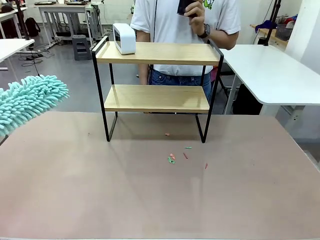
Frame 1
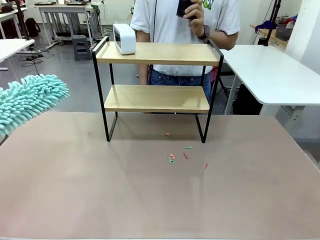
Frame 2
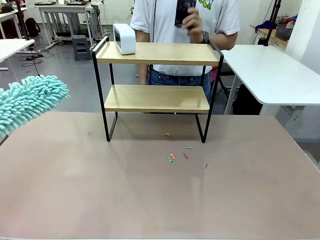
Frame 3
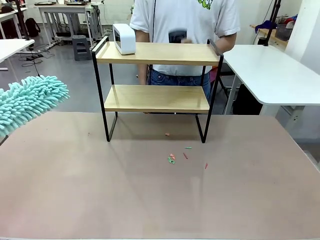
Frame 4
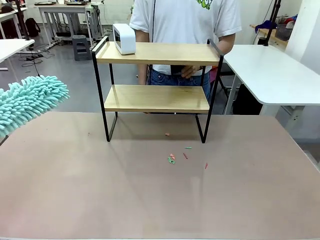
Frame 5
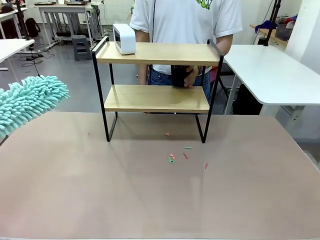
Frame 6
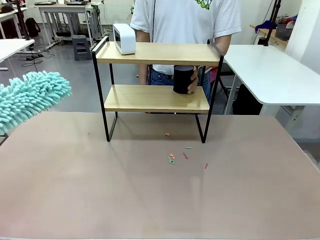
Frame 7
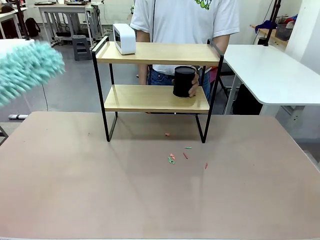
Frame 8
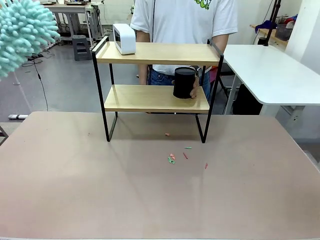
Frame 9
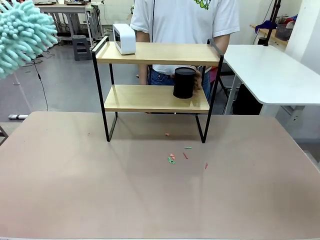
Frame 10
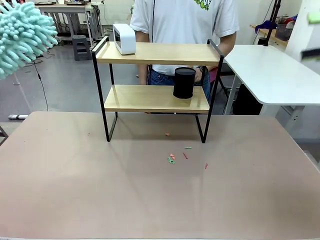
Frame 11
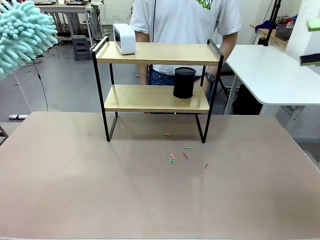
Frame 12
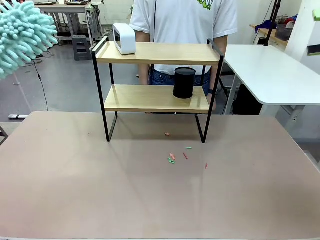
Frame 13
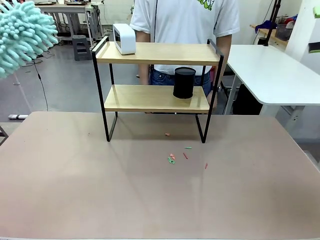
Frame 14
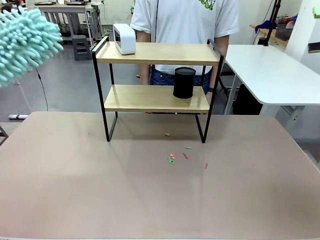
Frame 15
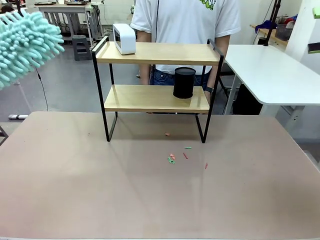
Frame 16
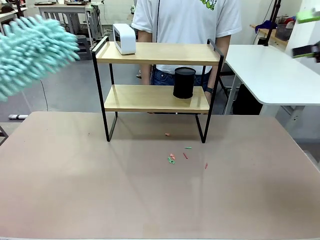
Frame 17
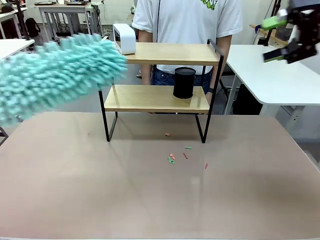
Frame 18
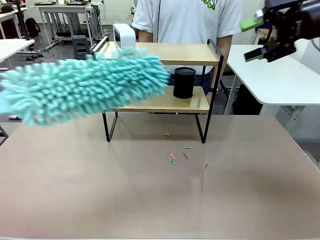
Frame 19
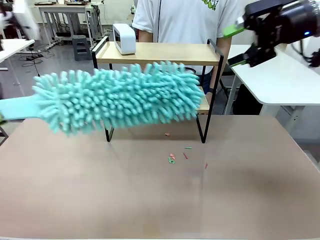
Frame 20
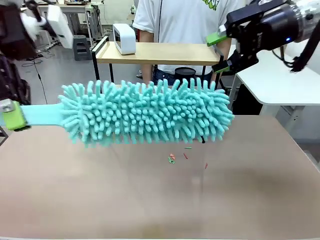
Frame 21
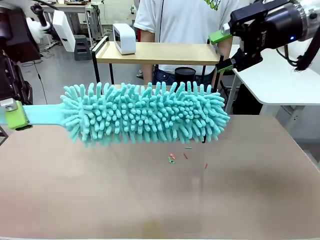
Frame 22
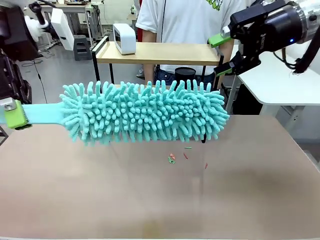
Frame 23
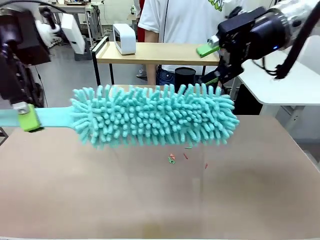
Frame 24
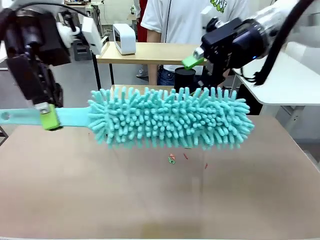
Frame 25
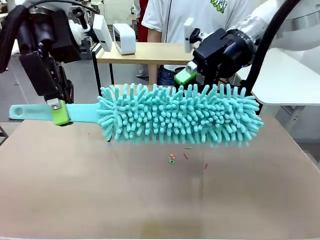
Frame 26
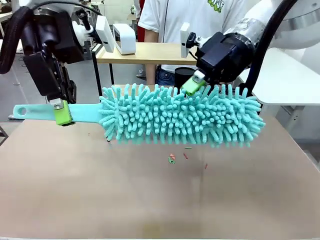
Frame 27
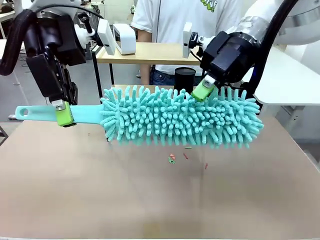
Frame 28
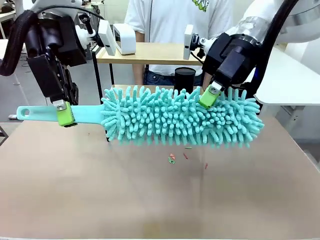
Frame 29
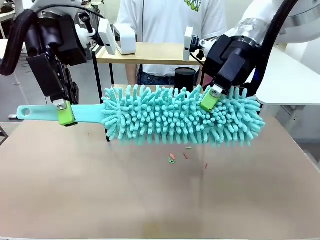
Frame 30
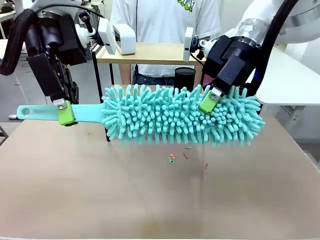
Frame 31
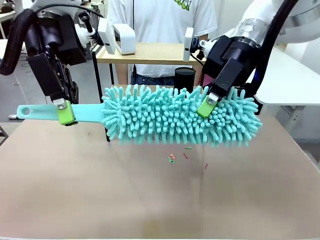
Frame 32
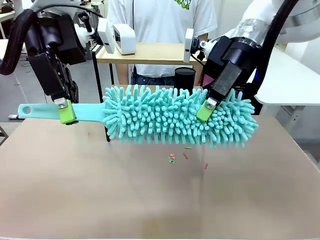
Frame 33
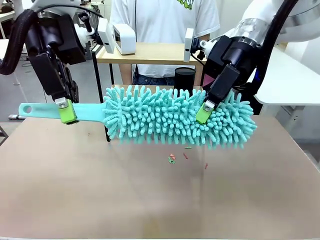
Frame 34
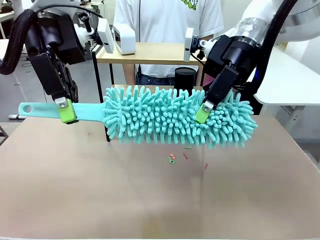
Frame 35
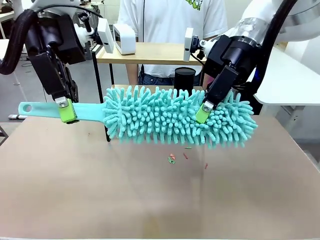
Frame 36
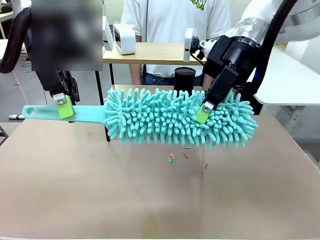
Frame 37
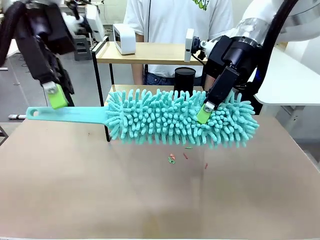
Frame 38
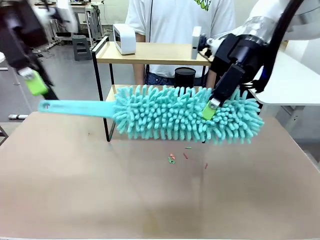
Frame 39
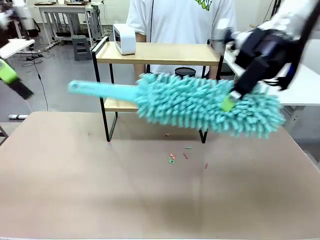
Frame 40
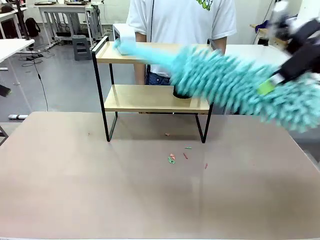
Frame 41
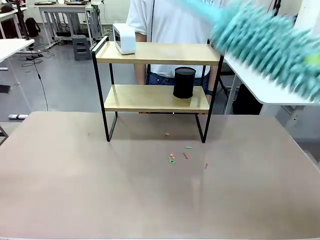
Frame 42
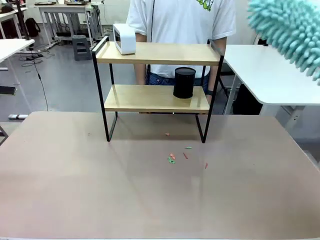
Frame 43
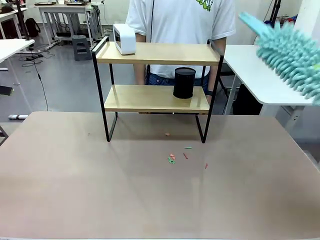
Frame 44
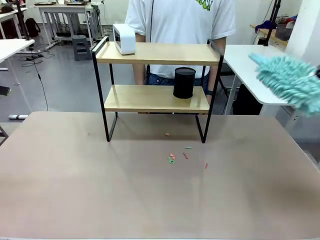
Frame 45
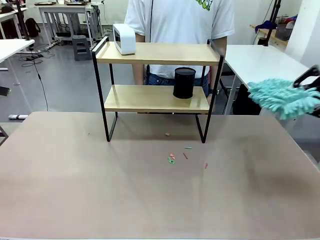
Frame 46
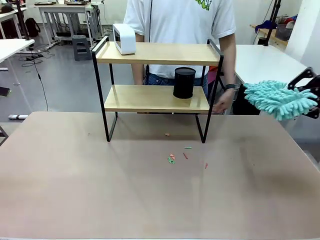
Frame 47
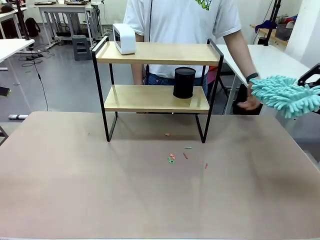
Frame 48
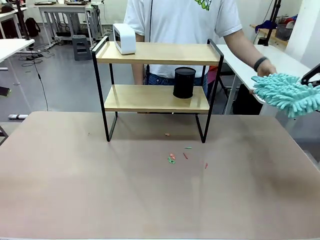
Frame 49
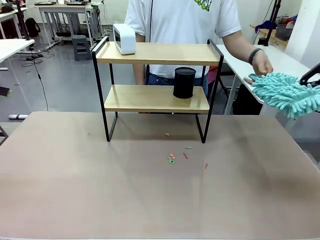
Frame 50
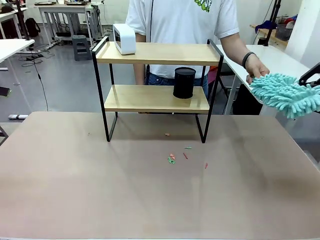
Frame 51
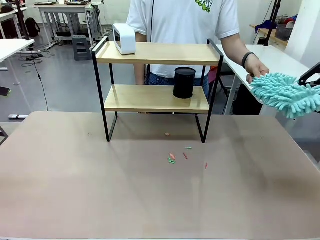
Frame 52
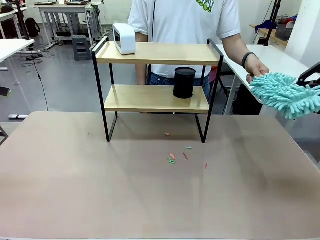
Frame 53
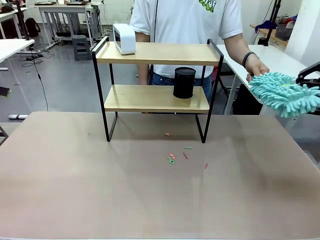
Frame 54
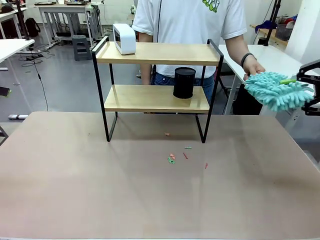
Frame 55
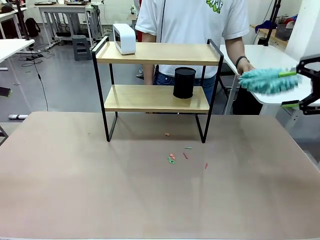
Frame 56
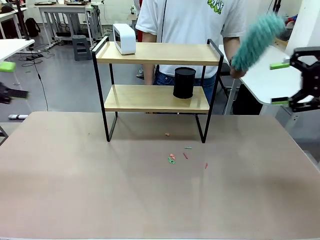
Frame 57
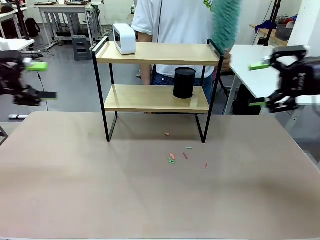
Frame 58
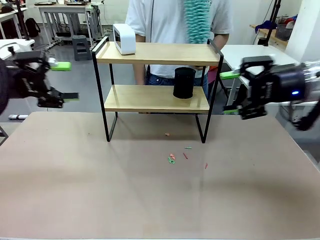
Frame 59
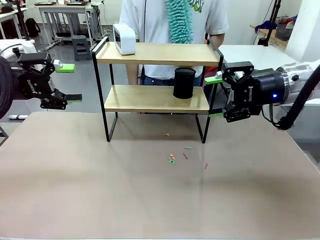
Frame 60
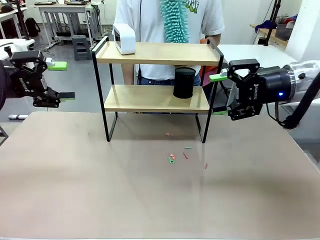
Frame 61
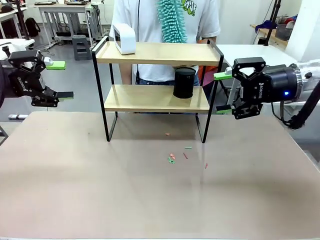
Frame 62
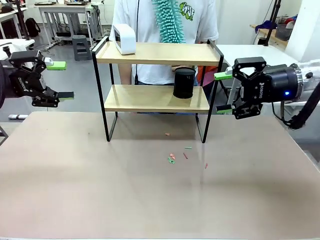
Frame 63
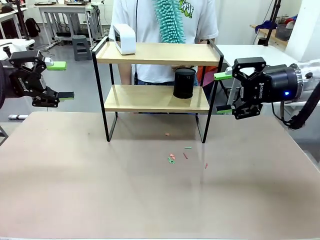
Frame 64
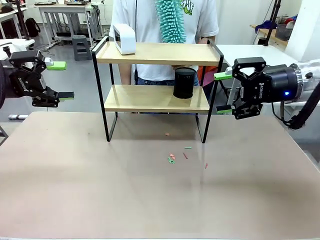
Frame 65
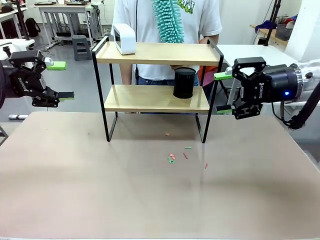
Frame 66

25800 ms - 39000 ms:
Task: Clean the shelf.
Robot: Hand the Duster back to the human.
Person: Receive the Duster from the robot.

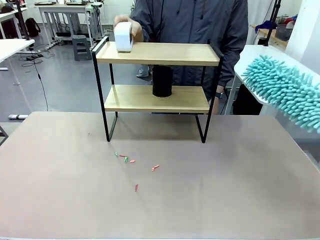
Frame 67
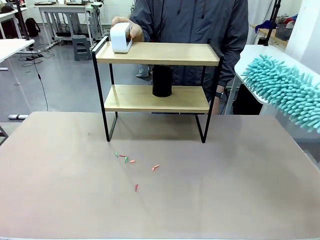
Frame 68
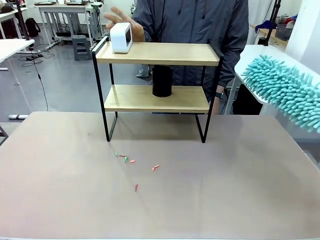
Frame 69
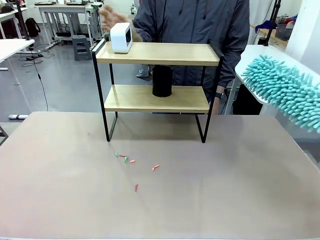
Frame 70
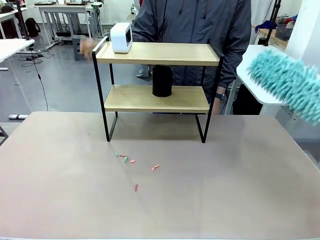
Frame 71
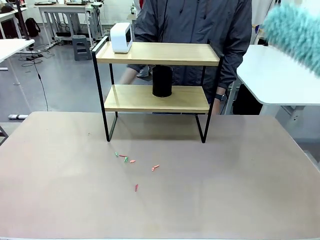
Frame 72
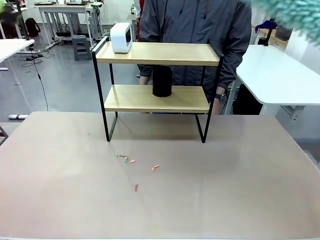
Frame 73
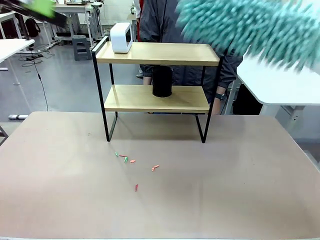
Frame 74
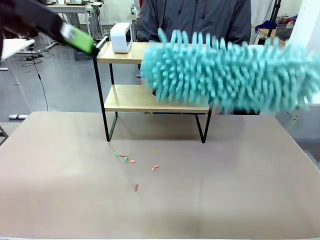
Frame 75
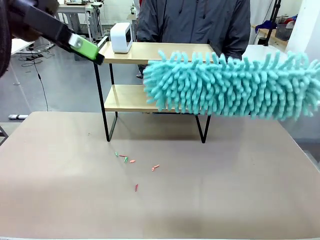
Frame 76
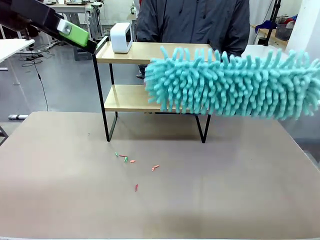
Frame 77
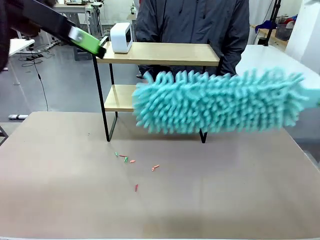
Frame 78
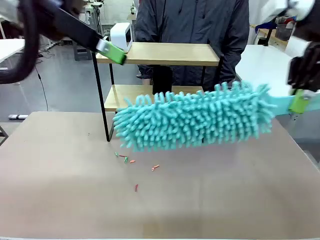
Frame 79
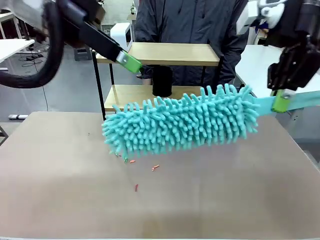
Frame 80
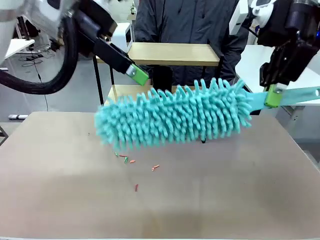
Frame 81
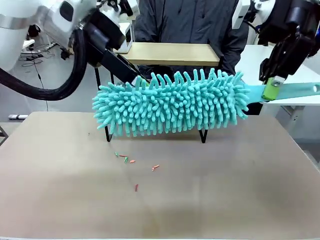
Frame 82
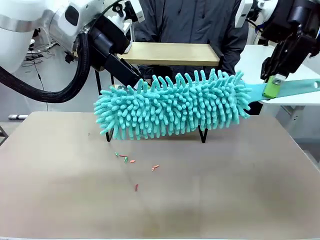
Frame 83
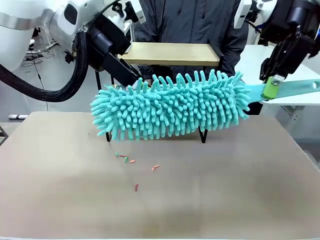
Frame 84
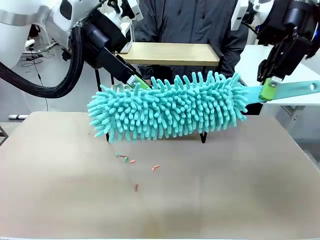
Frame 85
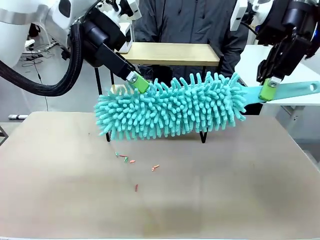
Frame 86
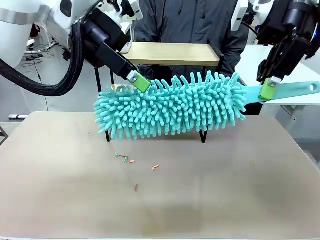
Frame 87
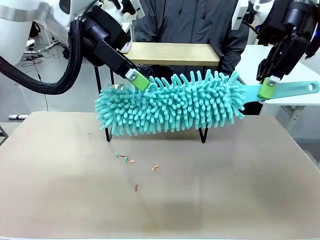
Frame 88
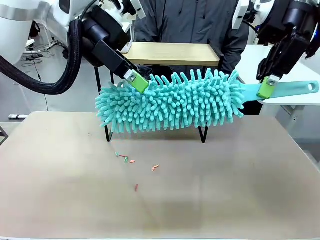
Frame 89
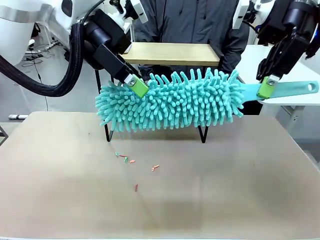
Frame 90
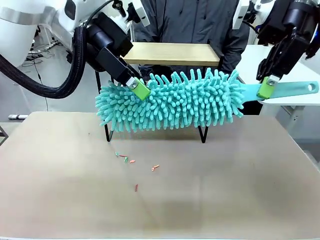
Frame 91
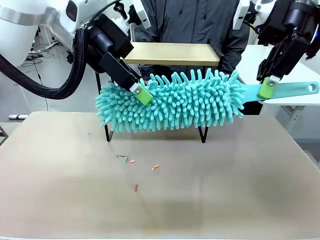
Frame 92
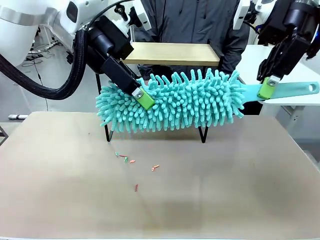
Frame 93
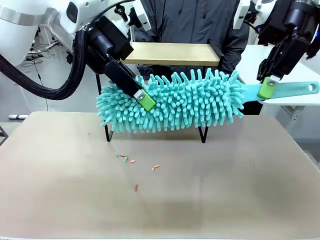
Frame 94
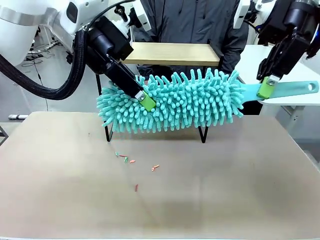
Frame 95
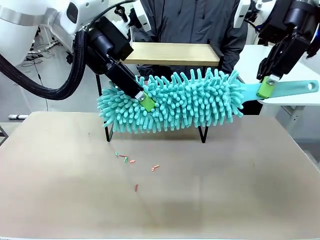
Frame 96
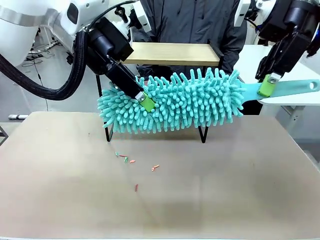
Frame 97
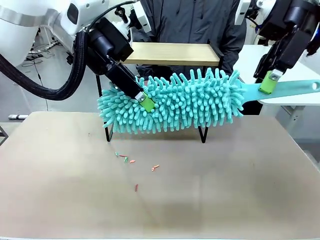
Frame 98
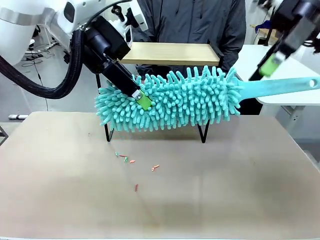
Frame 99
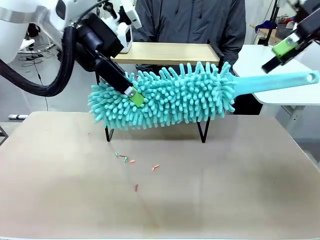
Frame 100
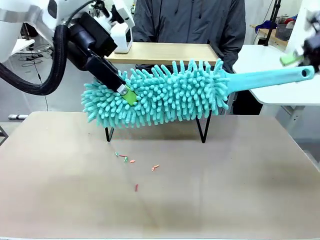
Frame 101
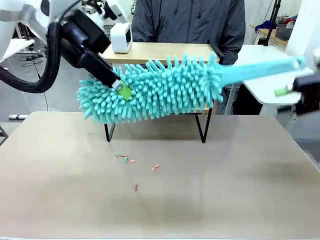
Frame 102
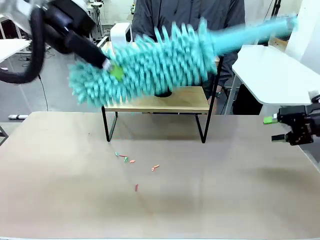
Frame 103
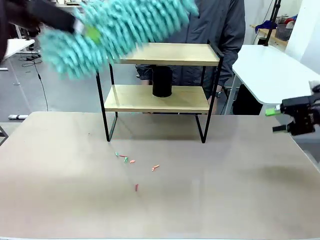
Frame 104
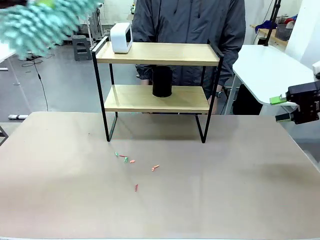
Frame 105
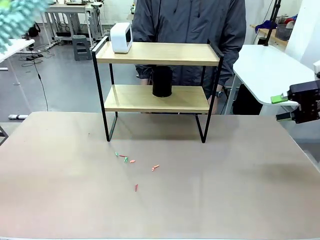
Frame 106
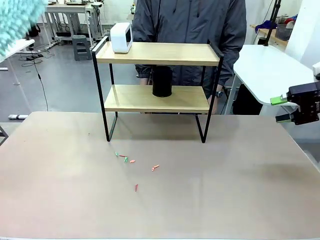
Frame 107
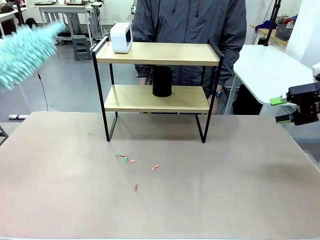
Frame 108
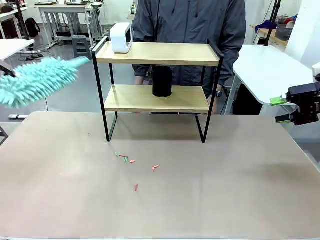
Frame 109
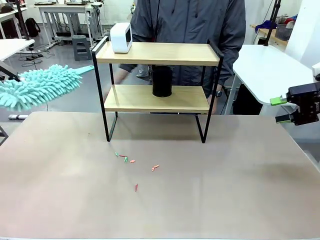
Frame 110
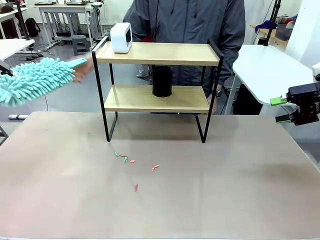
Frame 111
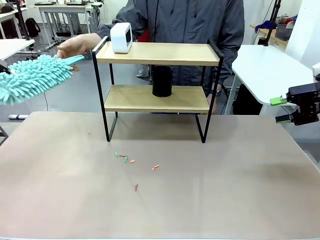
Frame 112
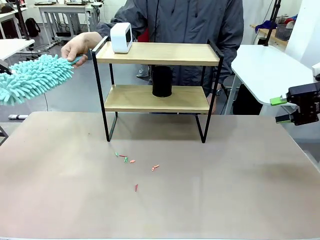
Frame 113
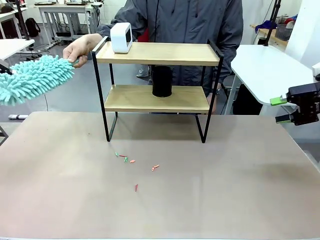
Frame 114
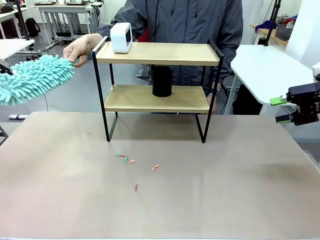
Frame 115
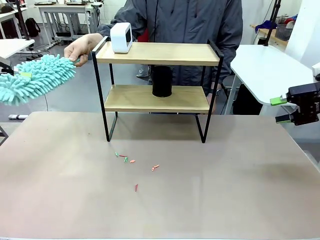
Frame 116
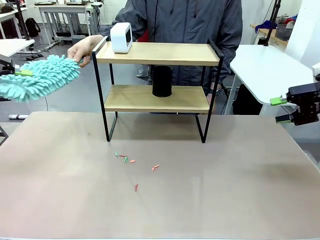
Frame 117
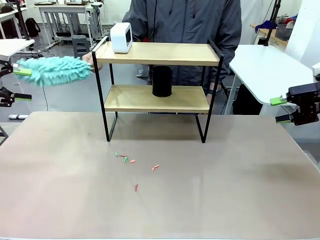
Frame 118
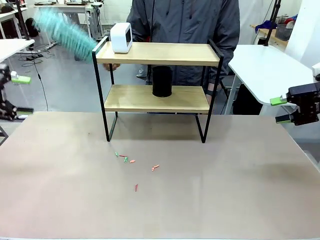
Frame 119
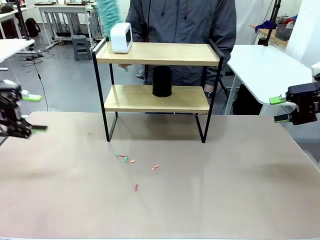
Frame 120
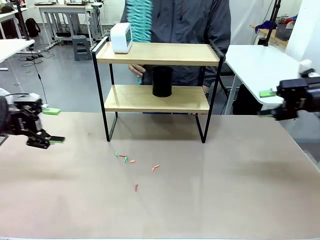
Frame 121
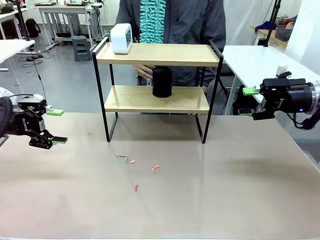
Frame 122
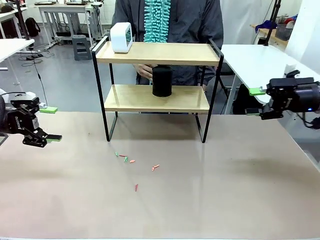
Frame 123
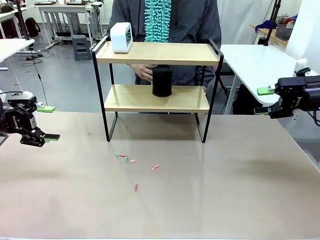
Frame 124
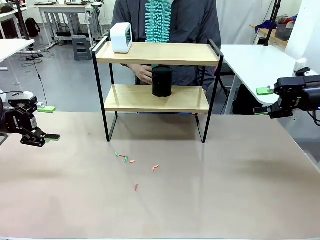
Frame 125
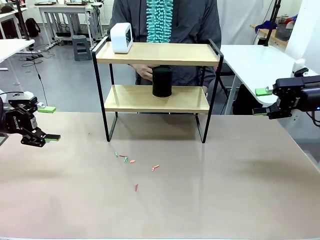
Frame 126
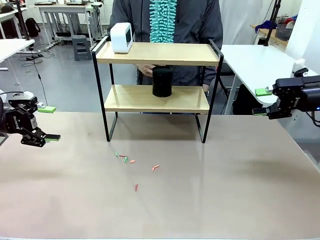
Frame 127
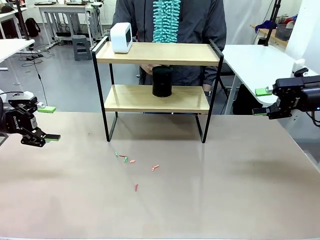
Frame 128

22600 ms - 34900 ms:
Task: Clean the shelf.
Robot: Hand the Duster back to the human.
Person: Receive the Duster from the robot.
